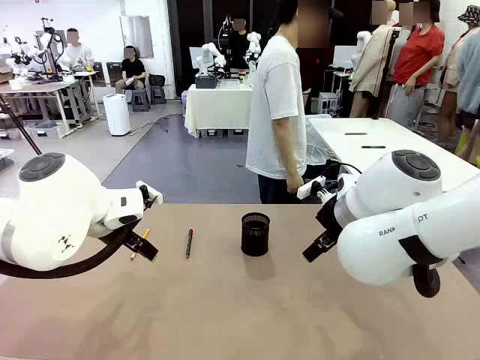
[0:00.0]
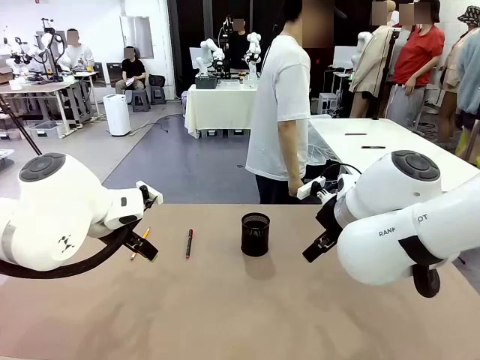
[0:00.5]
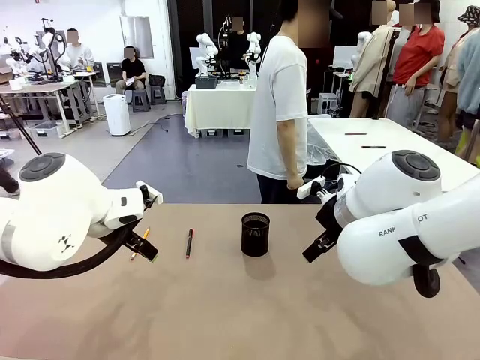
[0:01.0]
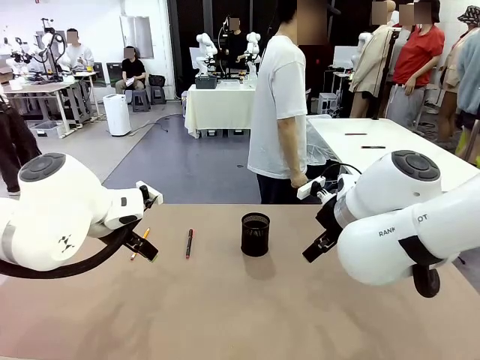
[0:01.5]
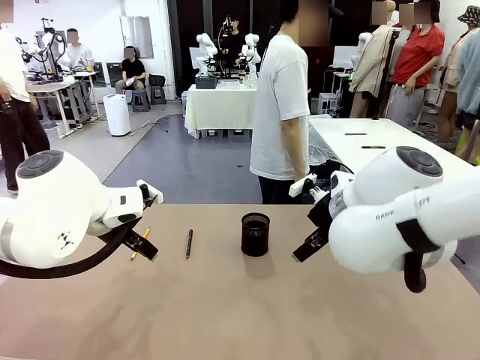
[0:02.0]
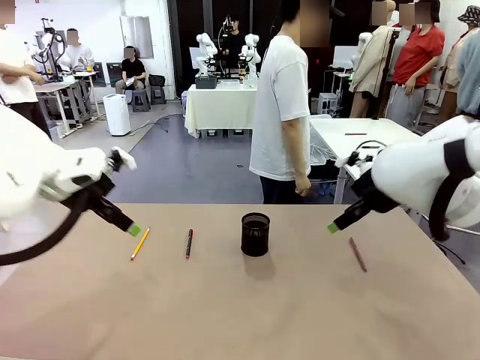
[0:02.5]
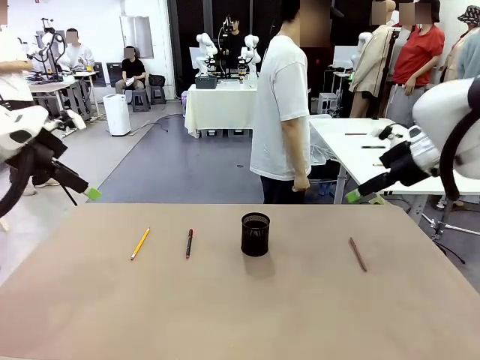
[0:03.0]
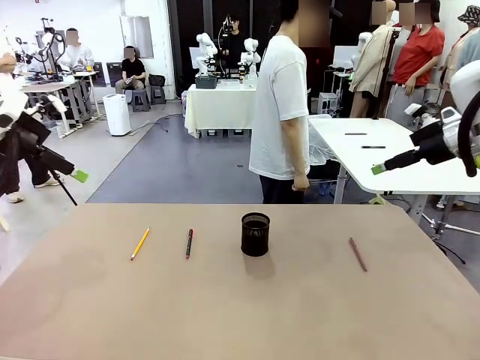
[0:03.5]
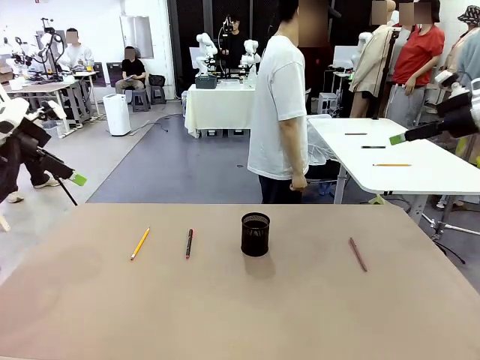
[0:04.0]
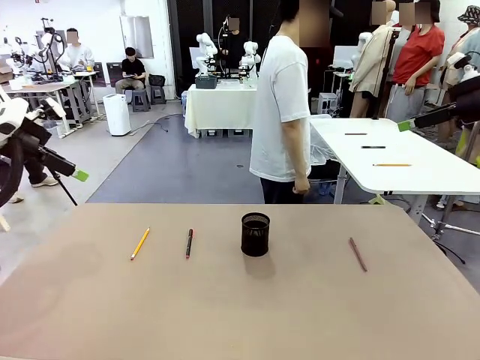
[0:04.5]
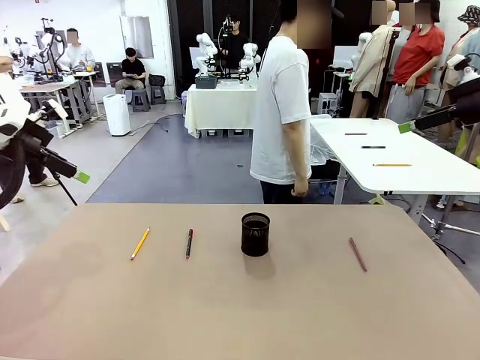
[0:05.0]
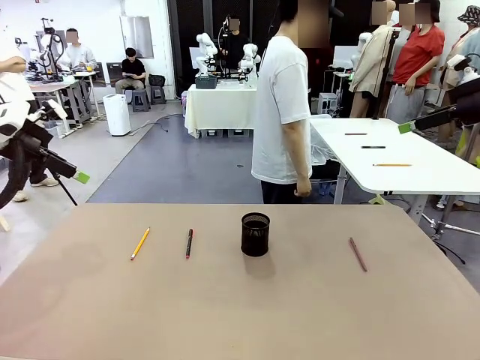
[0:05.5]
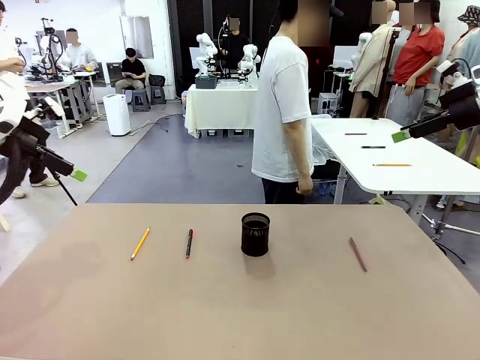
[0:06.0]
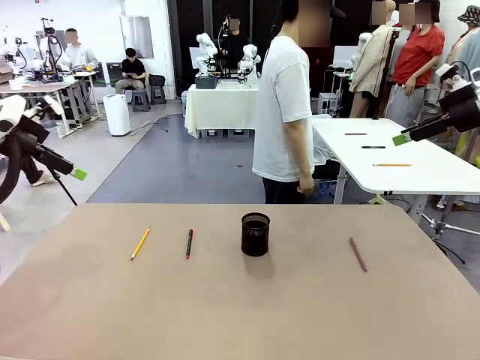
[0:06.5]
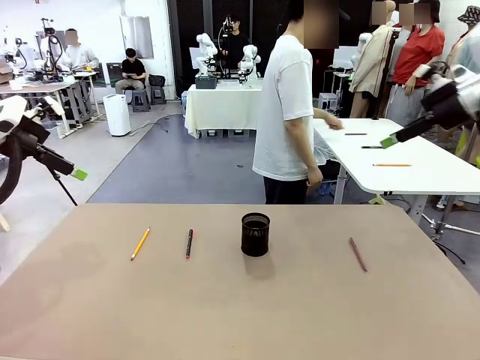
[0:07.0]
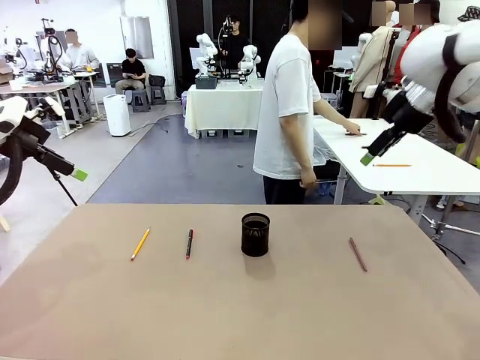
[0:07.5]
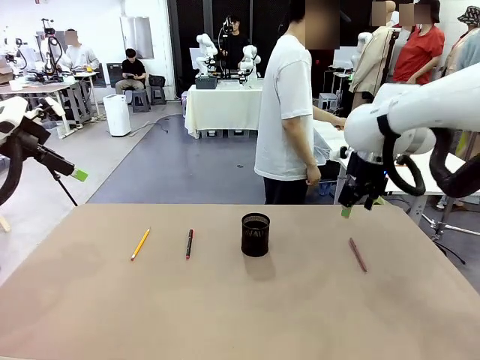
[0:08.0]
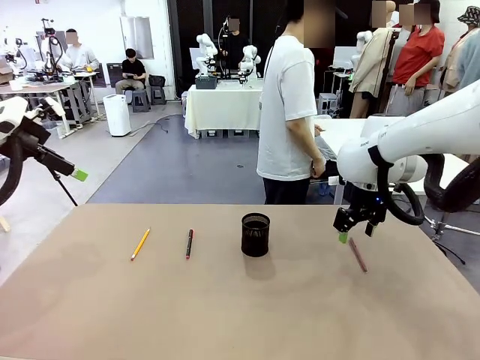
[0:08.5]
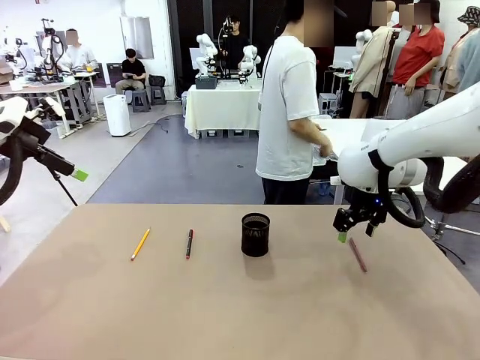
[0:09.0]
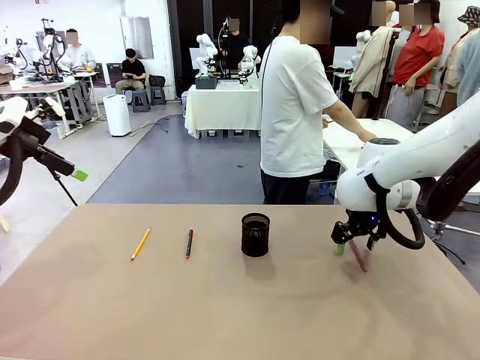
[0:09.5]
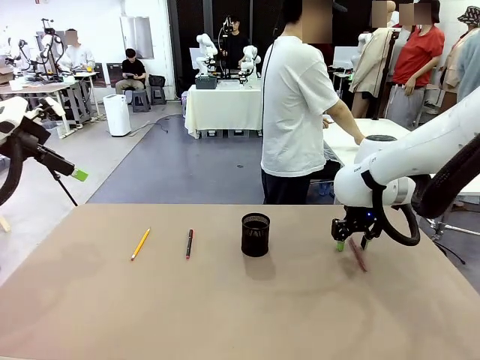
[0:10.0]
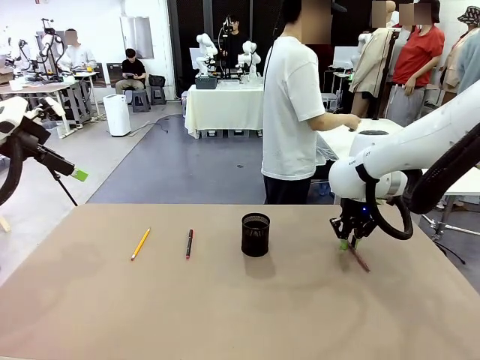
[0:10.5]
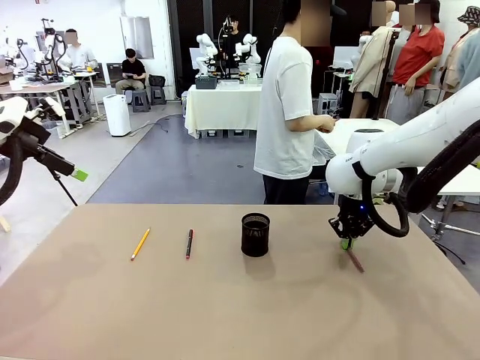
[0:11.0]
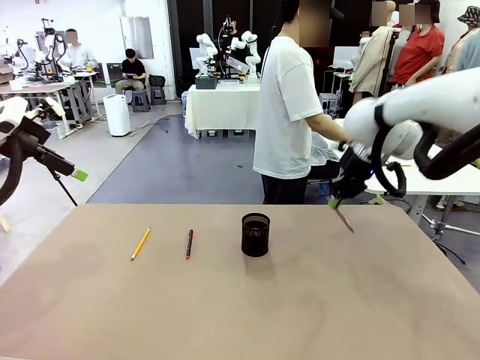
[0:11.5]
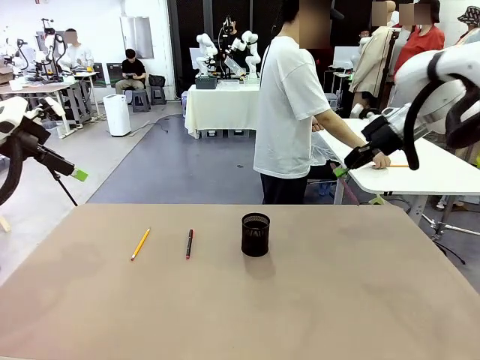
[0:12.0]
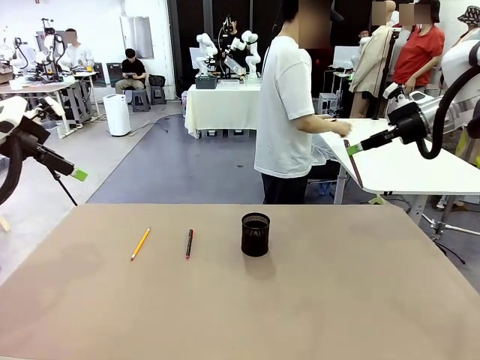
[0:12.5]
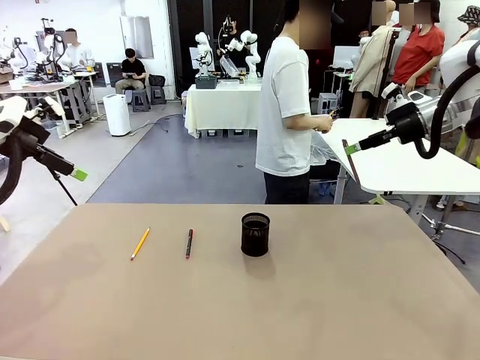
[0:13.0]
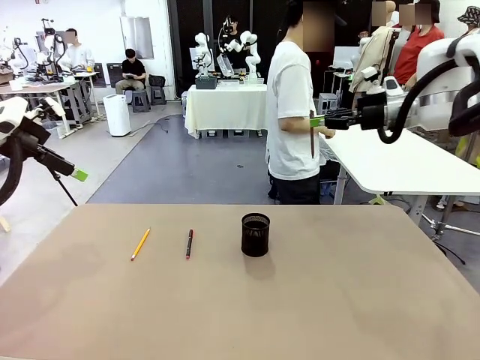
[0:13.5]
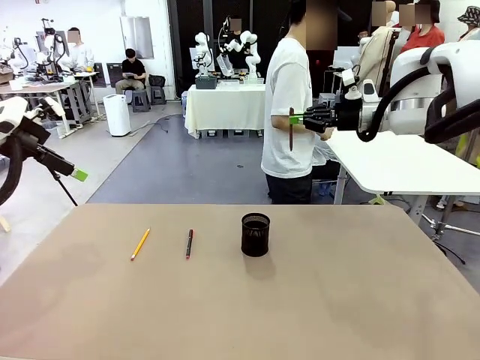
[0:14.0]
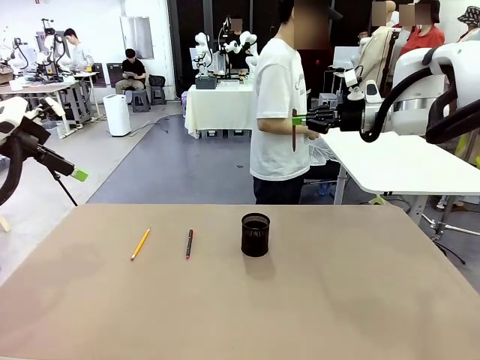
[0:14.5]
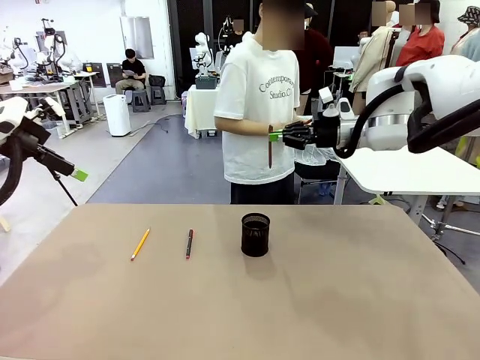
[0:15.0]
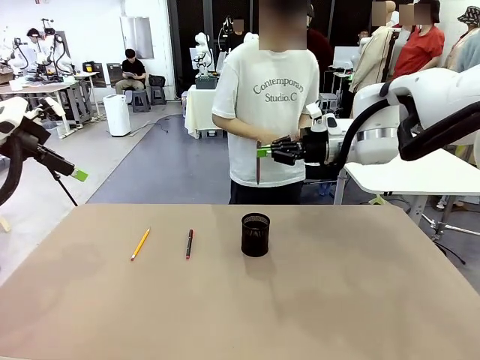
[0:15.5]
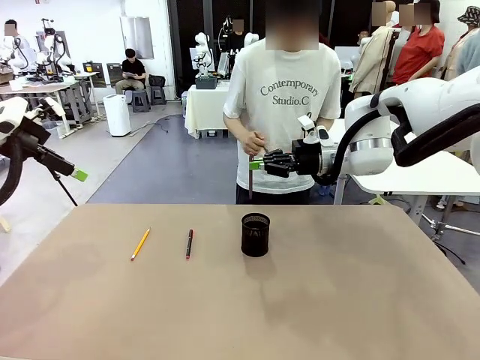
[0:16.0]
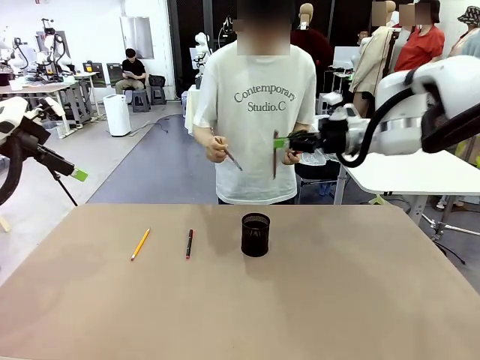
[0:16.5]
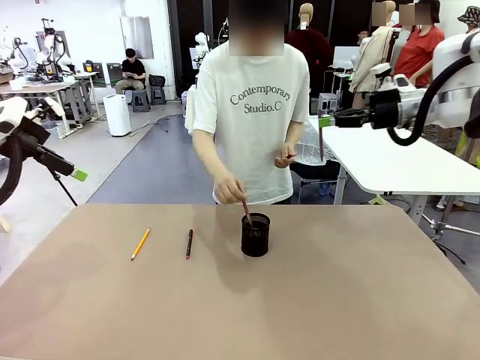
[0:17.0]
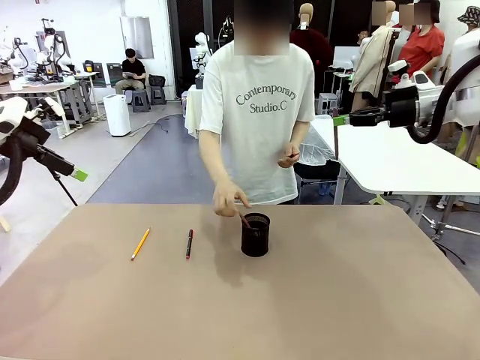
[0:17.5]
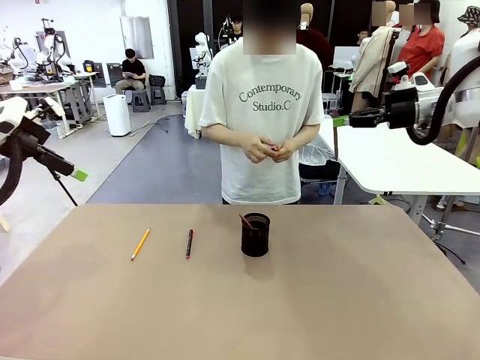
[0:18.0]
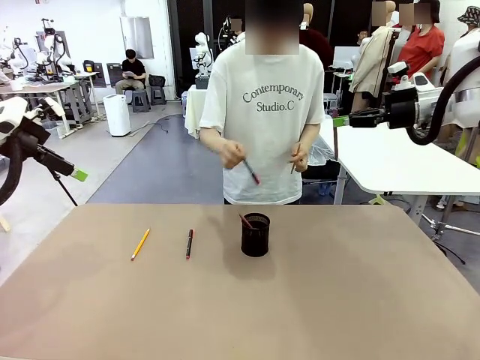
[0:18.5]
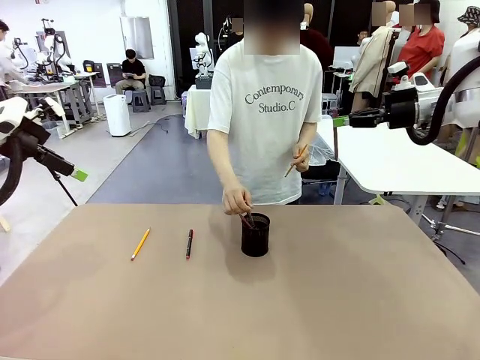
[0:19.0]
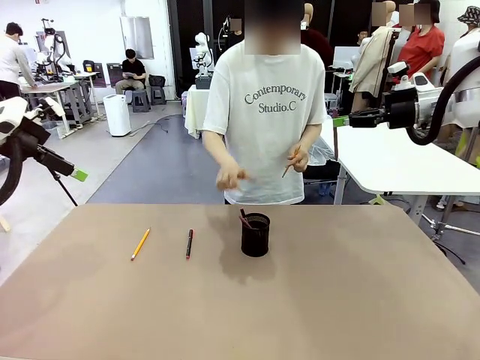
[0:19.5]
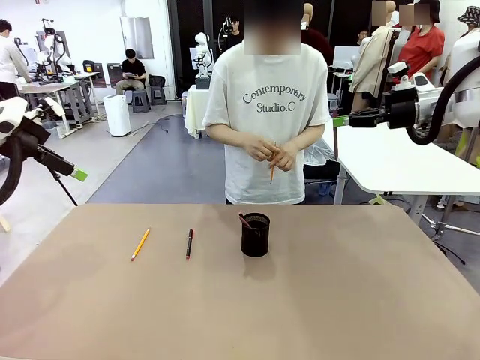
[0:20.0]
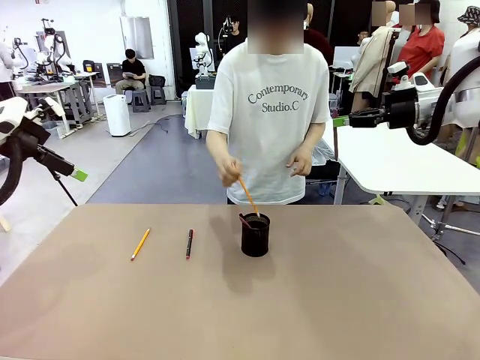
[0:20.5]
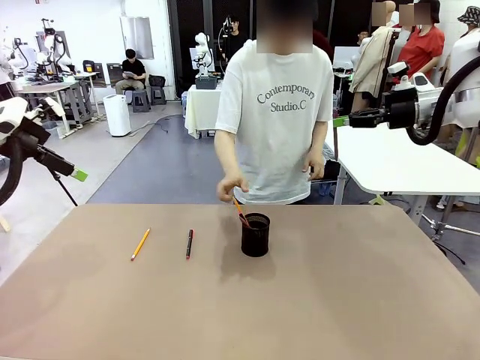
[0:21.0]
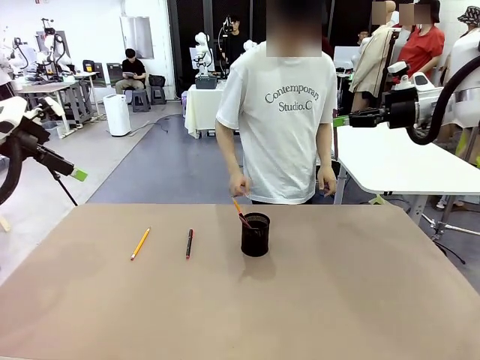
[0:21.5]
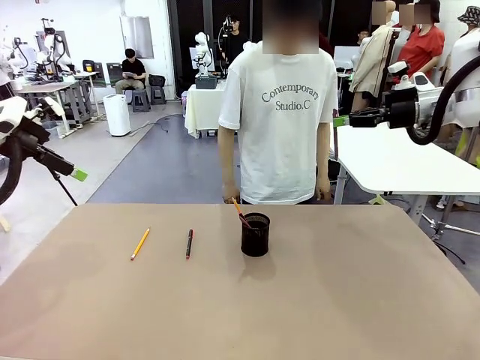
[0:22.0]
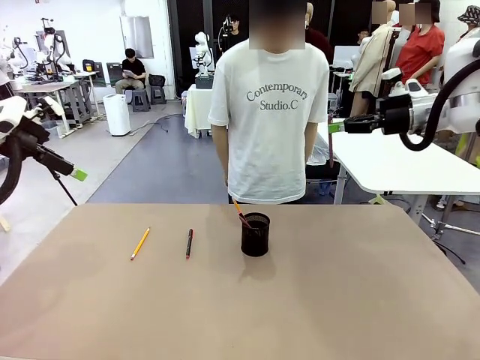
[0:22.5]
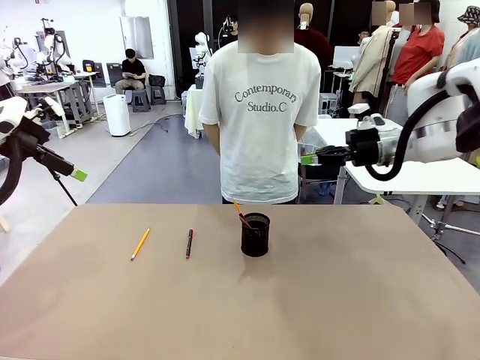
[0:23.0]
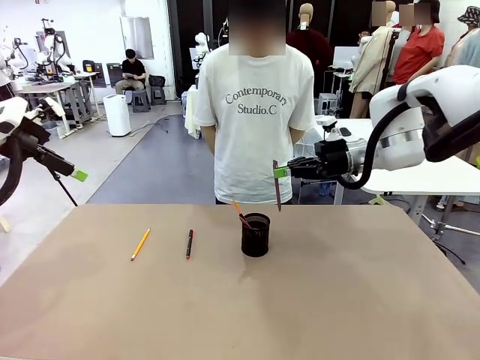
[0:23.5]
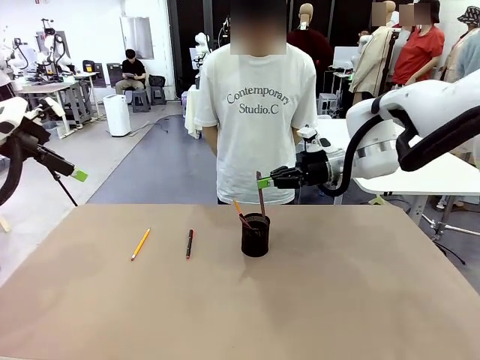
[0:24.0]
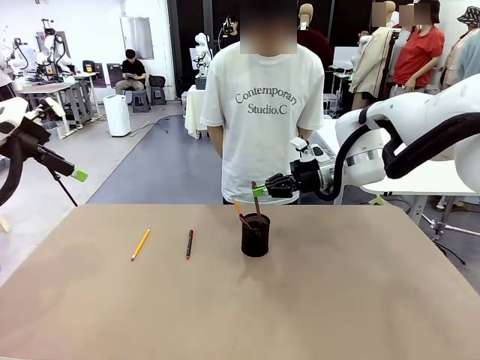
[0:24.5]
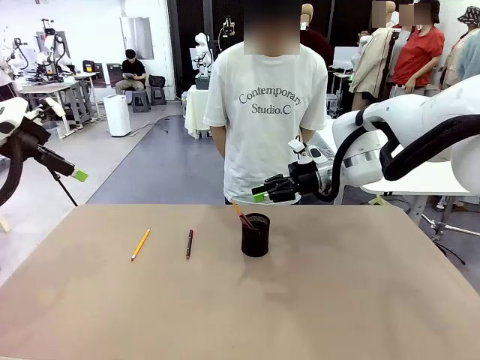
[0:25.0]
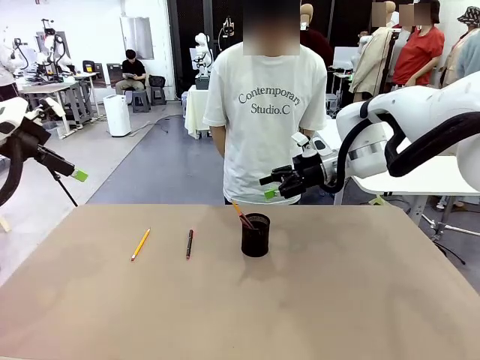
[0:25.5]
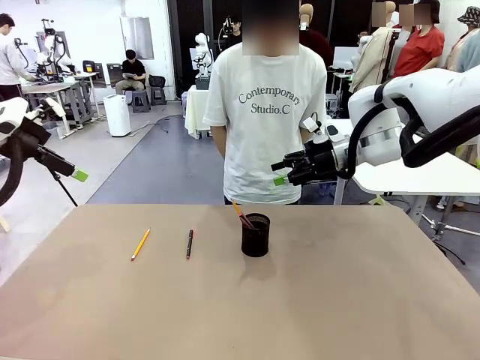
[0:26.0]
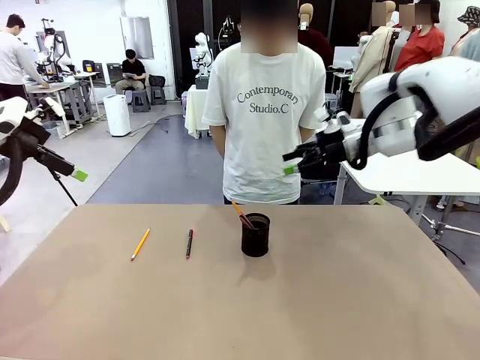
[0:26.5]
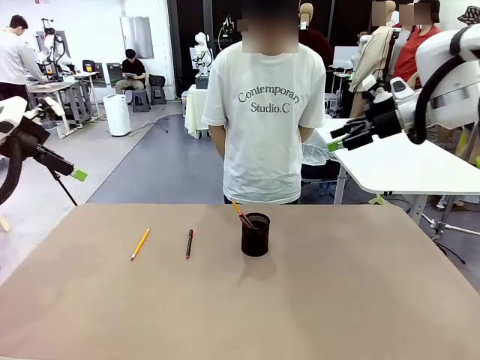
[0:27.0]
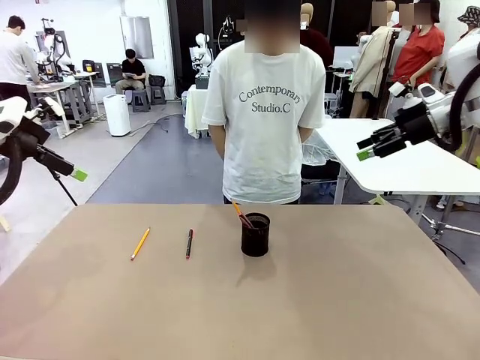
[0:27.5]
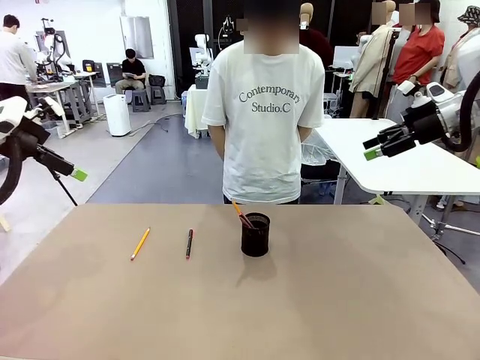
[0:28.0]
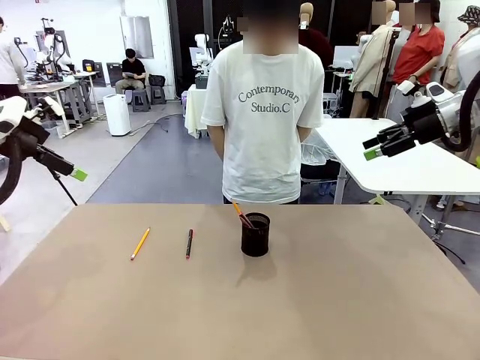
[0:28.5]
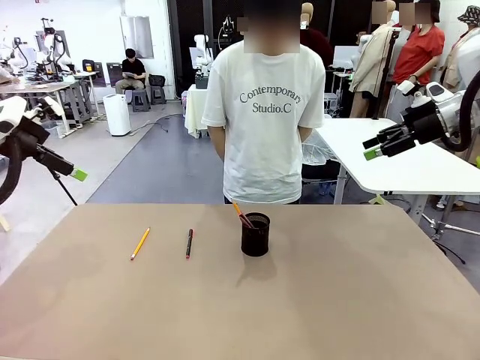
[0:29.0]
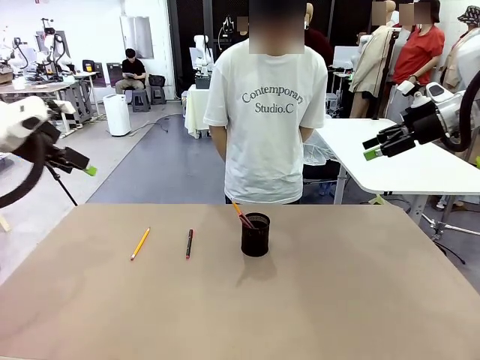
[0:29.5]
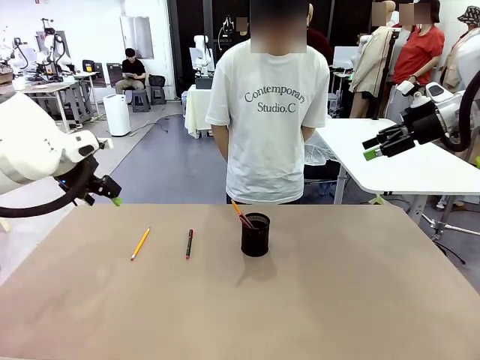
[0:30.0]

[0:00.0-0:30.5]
Task: Place the pens into the pen holder.
Robot: Pick up a writing instrument from the table and place it into the Pen holder.
Person: Pick up all writing instruments from the Human table.
